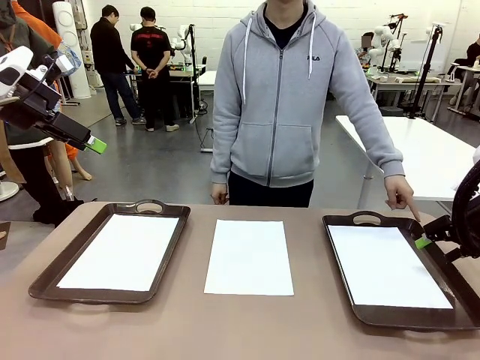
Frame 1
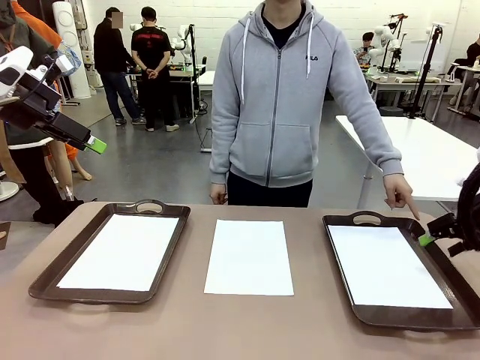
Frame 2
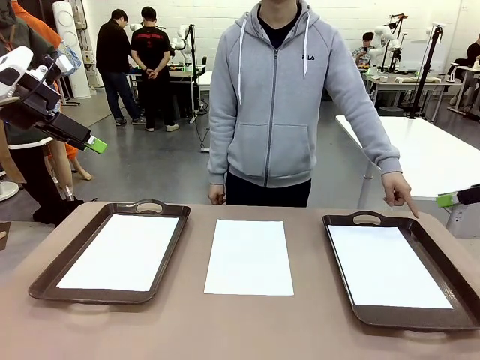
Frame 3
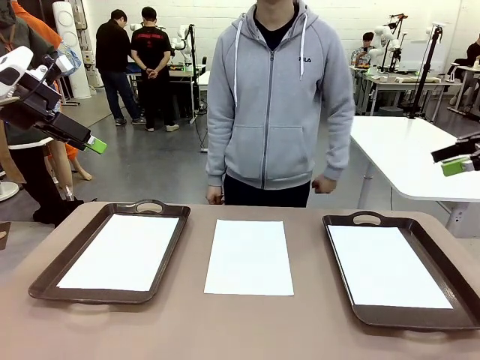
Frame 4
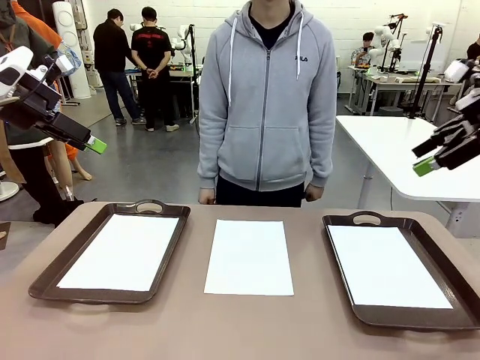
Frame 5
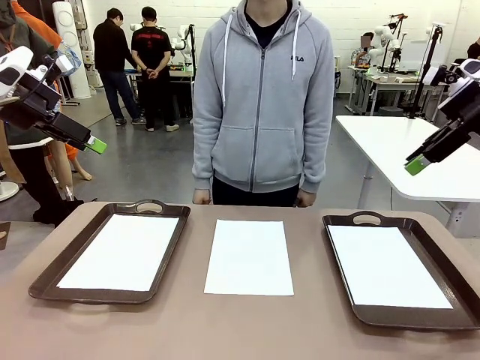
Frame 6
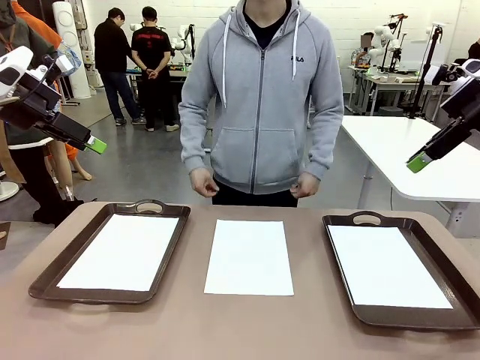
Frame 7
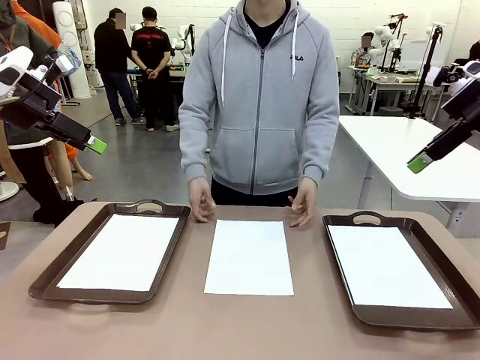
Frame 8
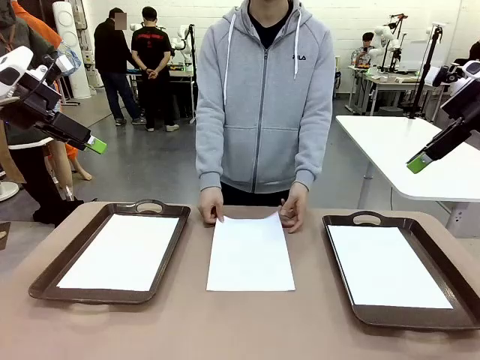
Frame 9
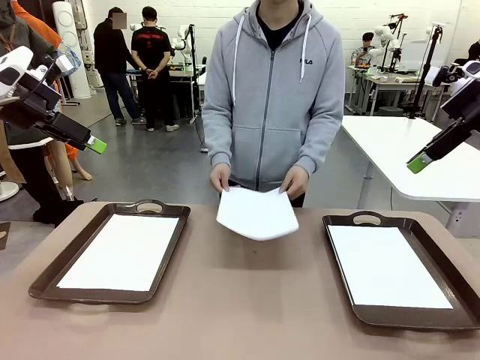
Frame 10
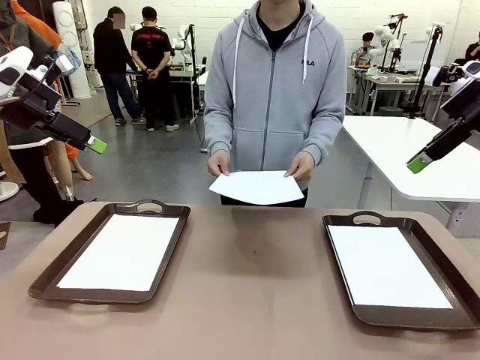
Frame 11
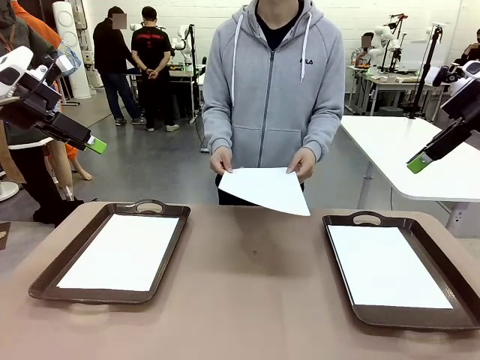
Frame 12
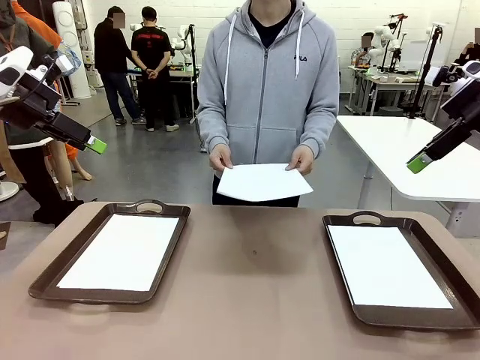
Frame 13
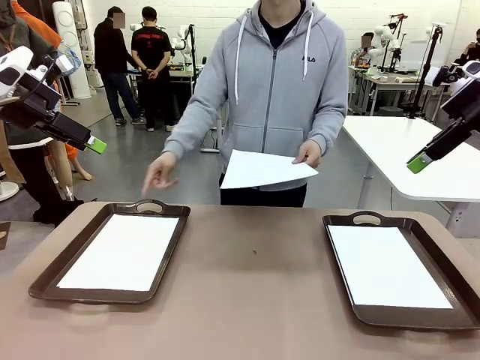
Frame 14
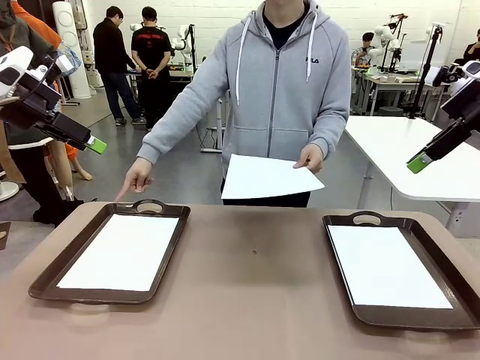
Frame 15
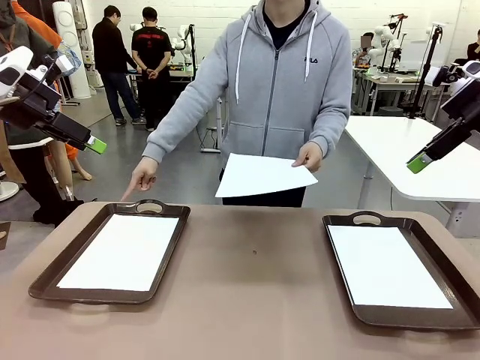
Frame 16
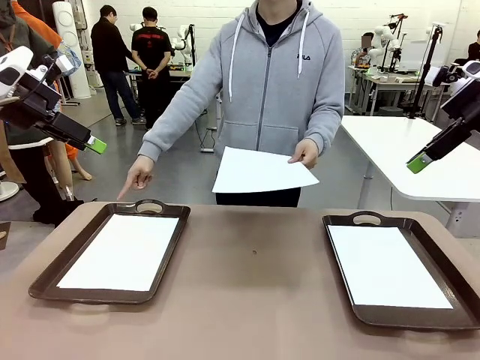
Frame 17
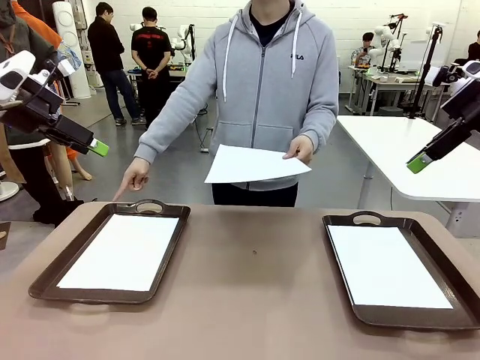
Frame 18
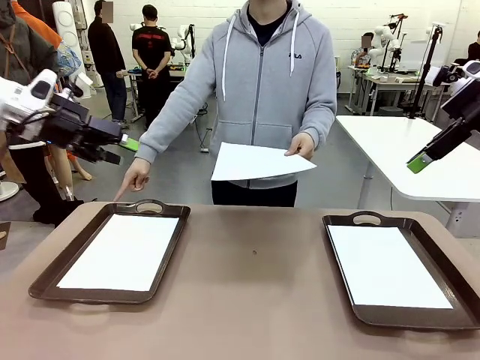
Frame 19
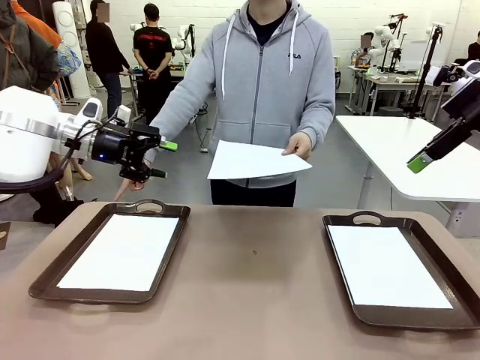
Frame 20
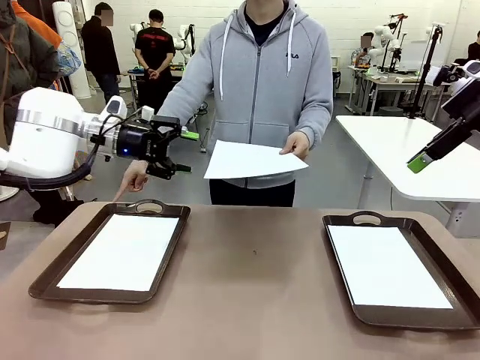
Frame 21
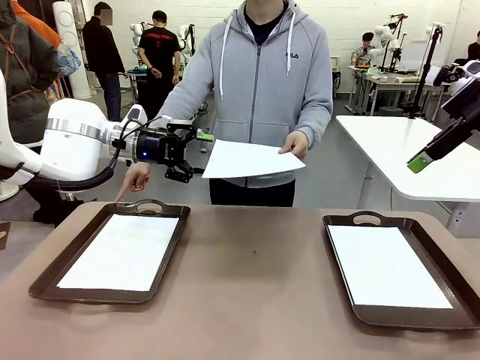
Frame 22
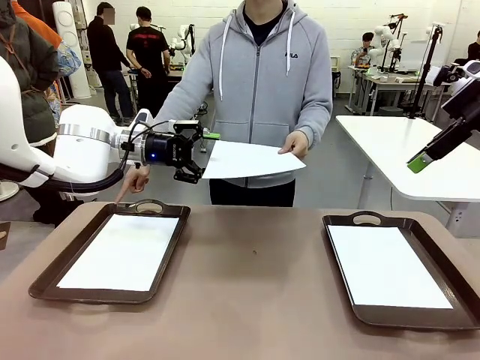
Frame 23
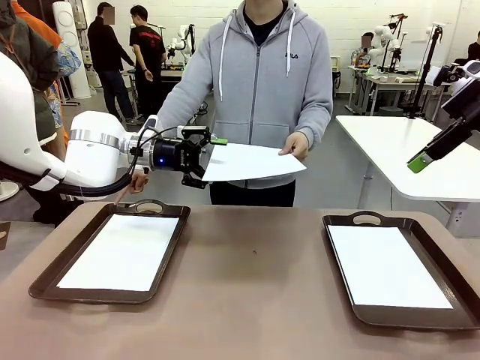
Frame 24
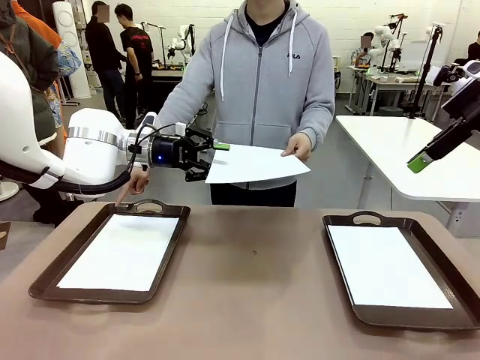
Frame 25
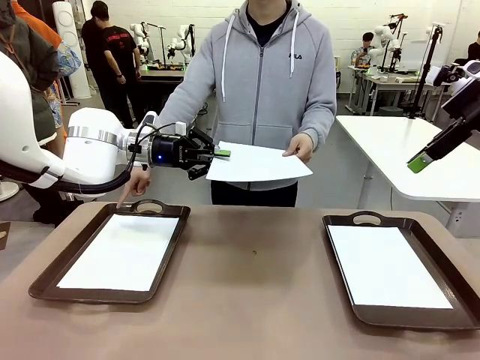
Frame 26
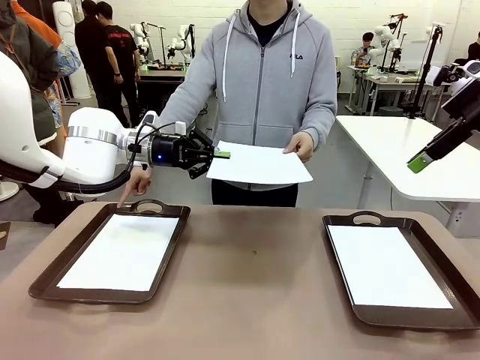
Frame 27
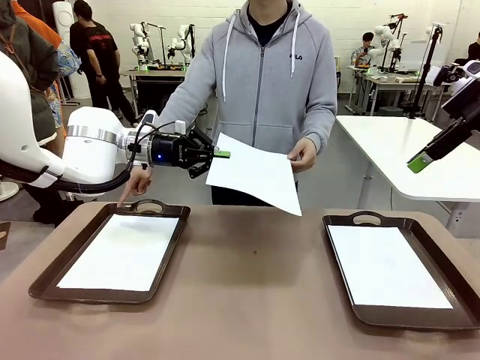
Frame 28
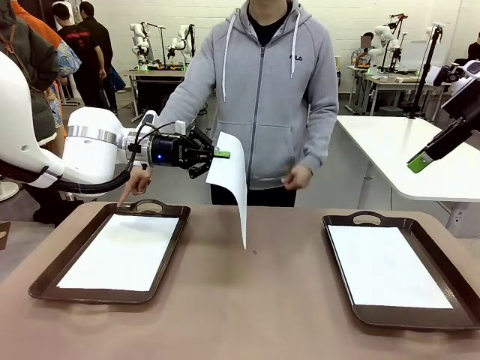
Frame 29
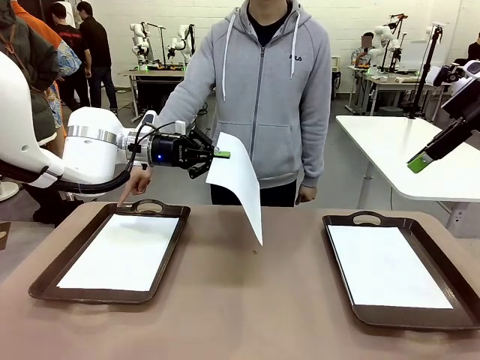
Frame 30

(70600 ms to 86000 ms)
Task: Sort the A4 documents.
Robot: Receive the A4 Paper.
Person: Point the randomly selected tray with the other hand.

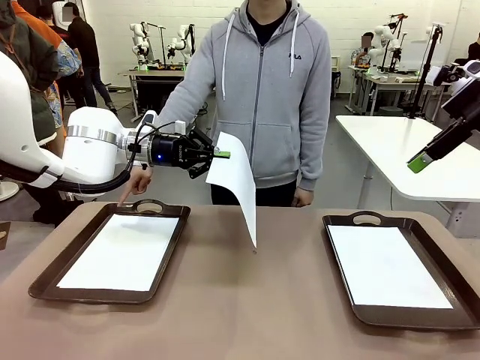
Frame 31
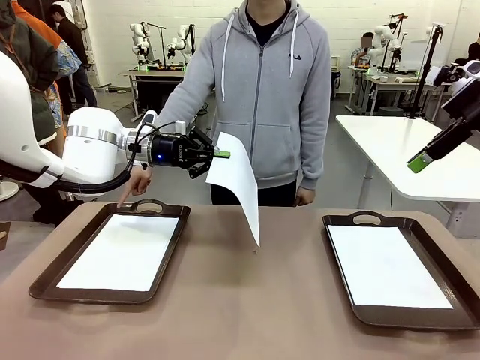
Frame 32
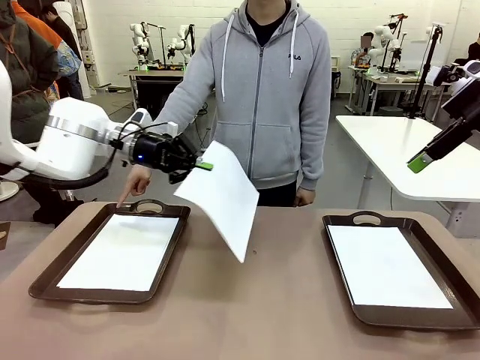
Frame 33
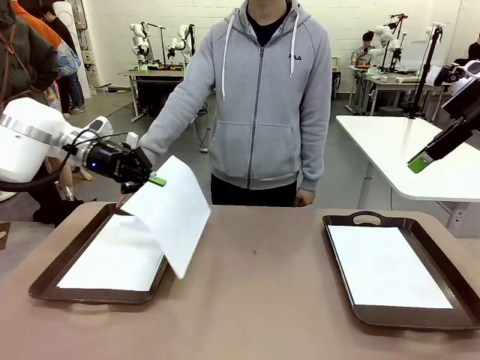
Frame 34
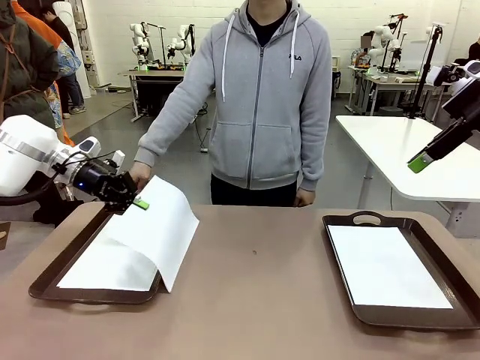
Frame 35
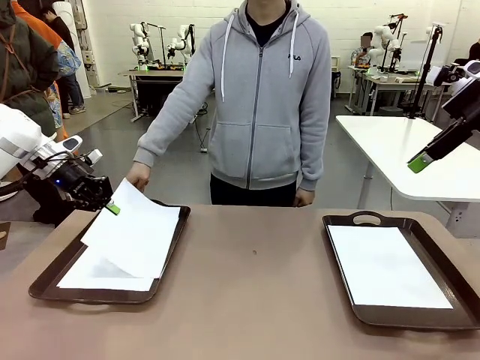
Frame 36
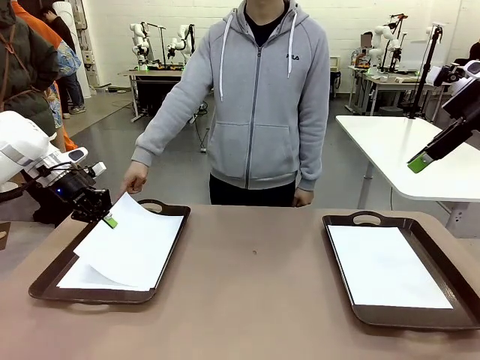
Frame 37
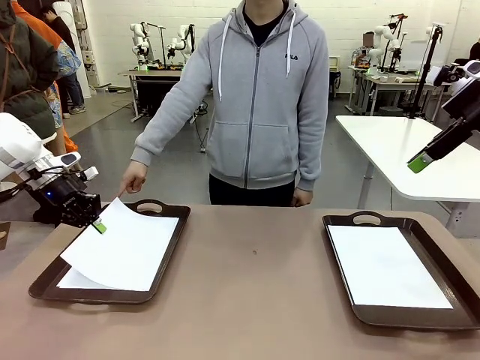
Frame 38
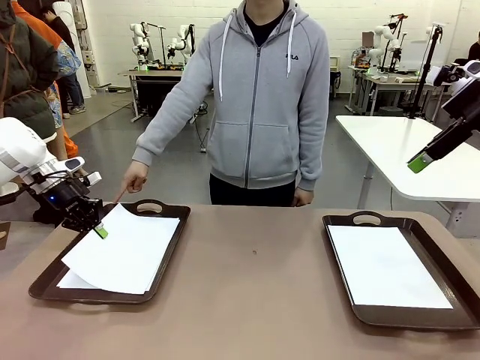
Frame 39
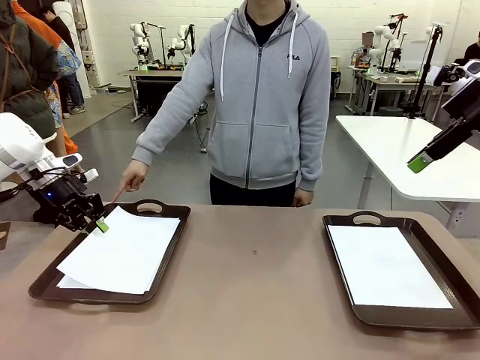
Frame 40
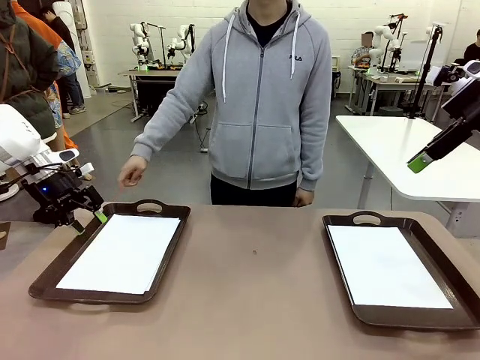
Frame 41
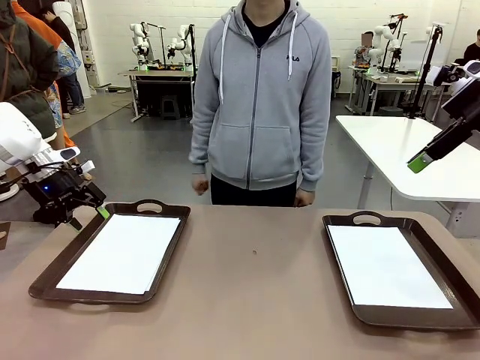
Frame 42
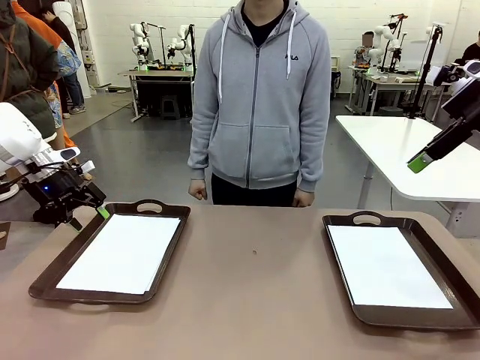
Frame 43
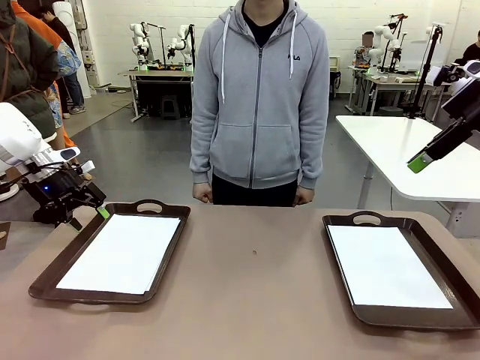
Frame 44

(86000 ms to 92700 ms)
Robot: Place the A4 Paper in the designated Handle tray.
